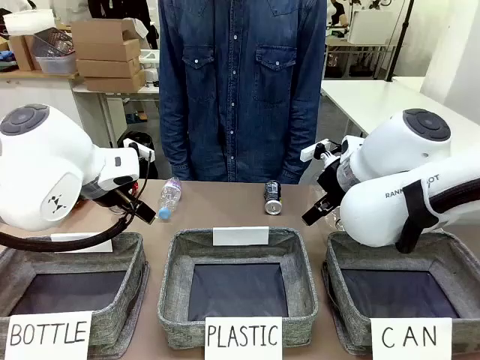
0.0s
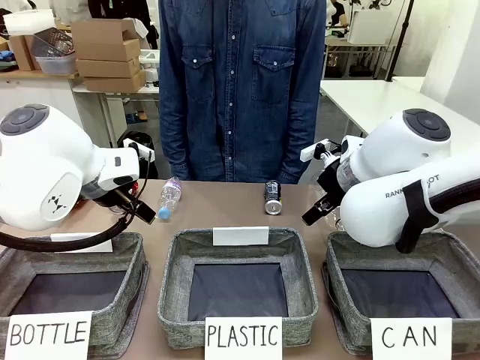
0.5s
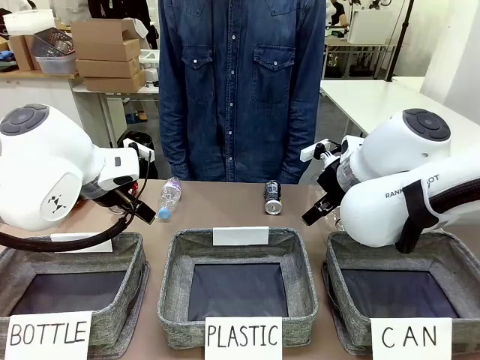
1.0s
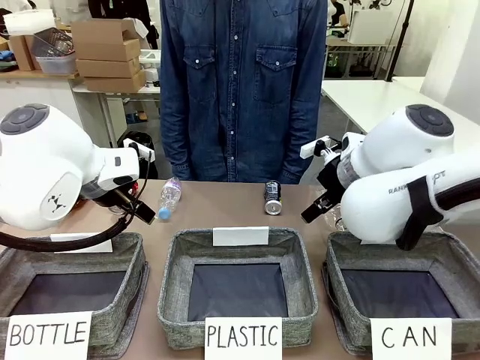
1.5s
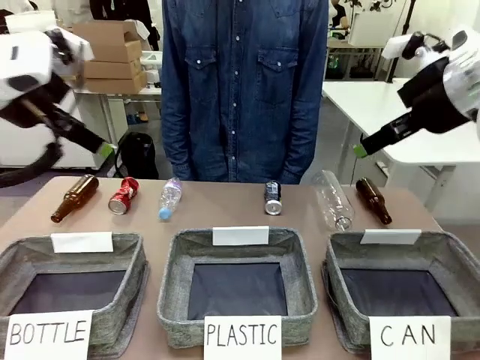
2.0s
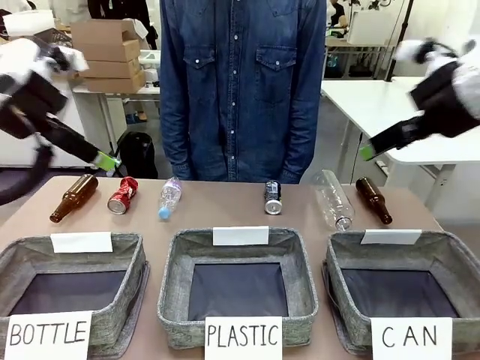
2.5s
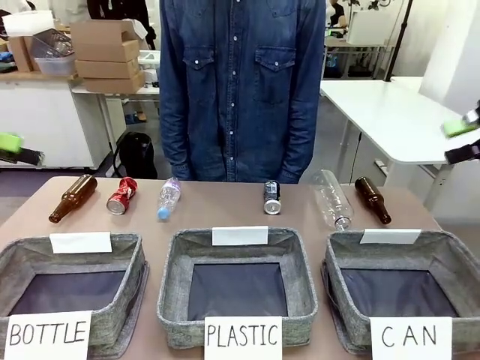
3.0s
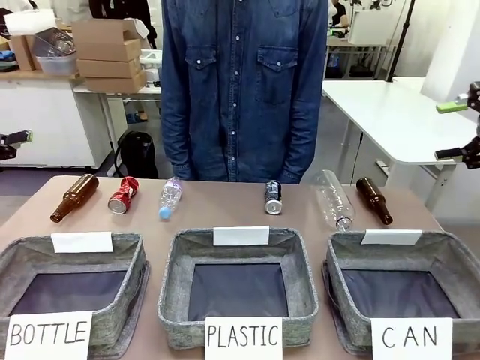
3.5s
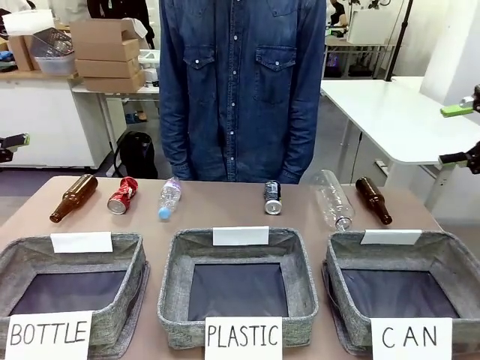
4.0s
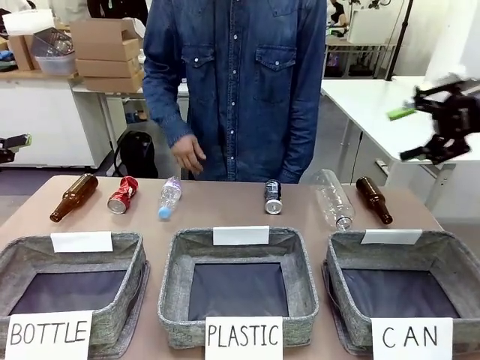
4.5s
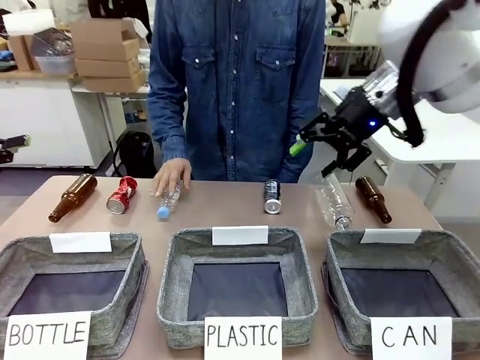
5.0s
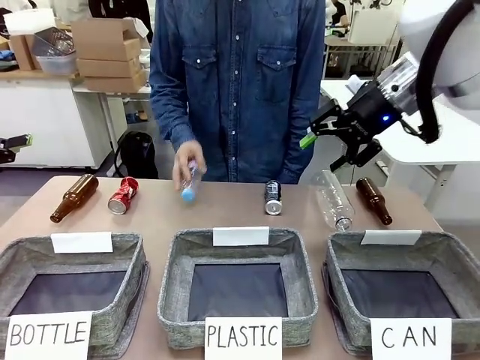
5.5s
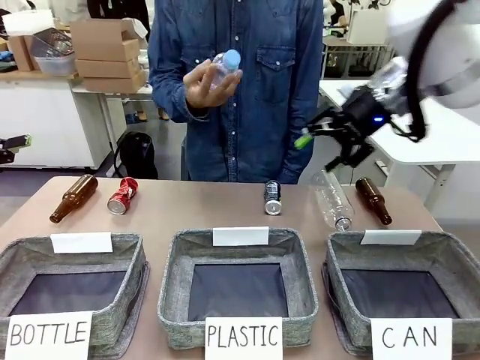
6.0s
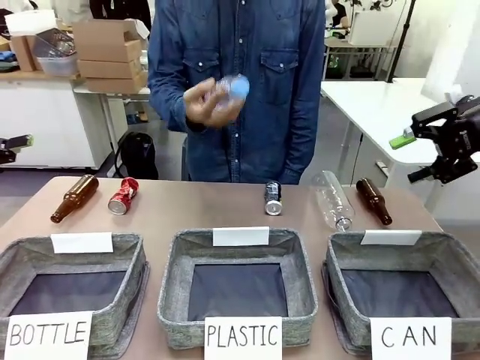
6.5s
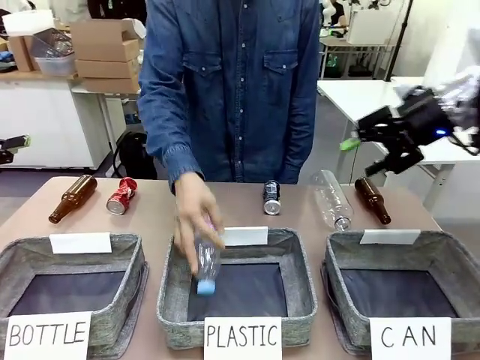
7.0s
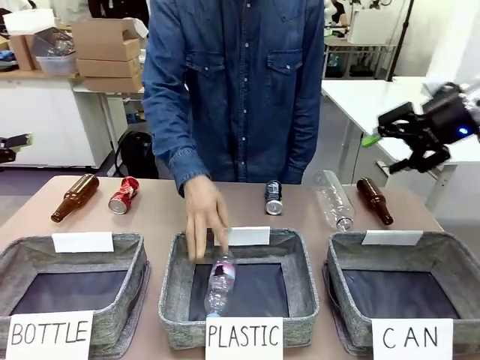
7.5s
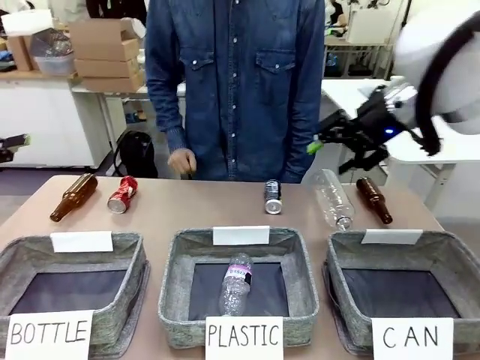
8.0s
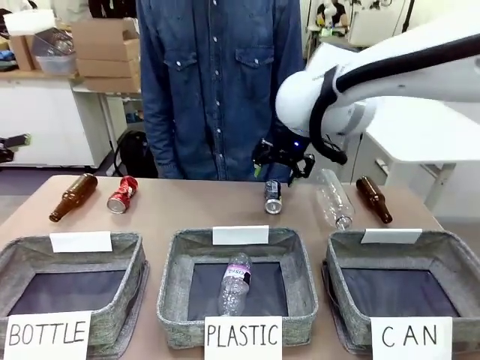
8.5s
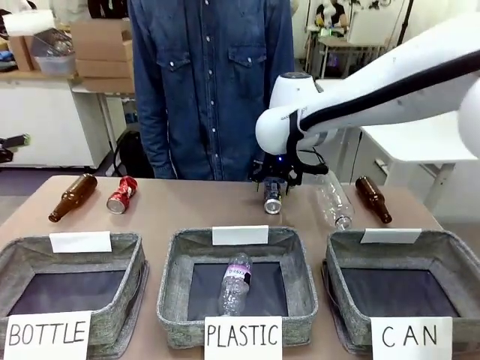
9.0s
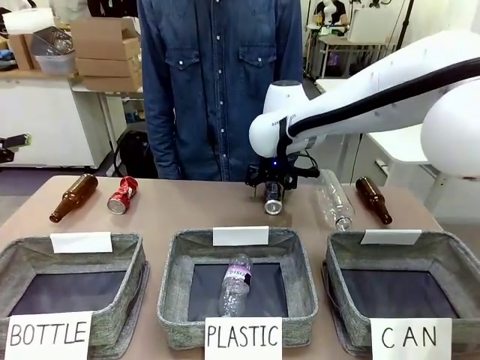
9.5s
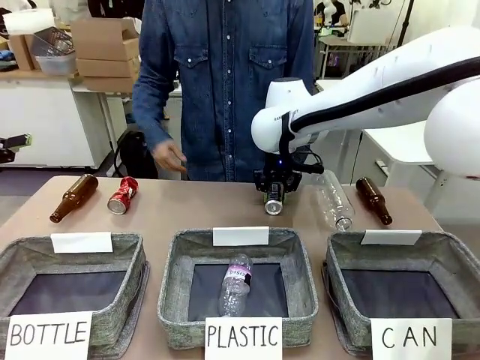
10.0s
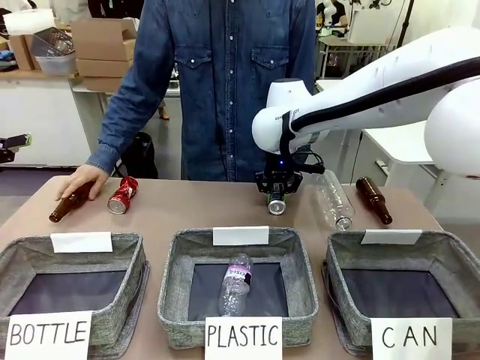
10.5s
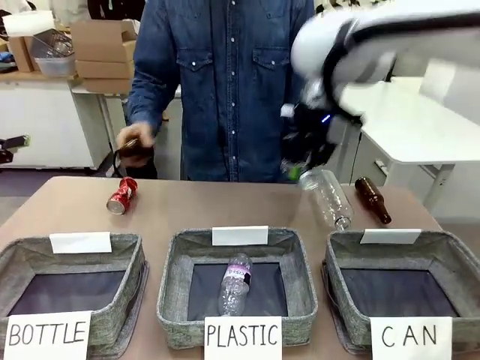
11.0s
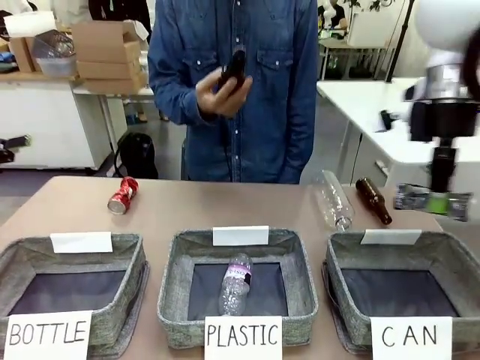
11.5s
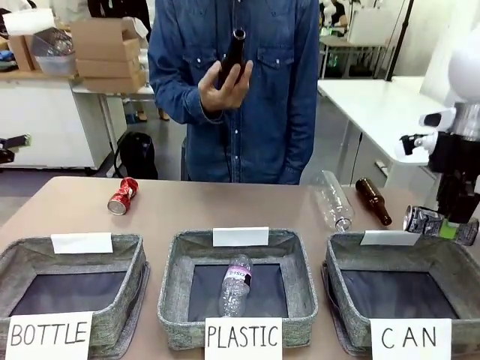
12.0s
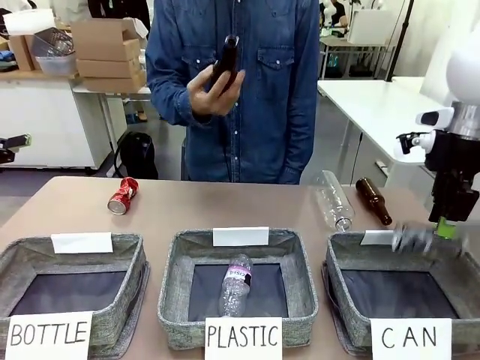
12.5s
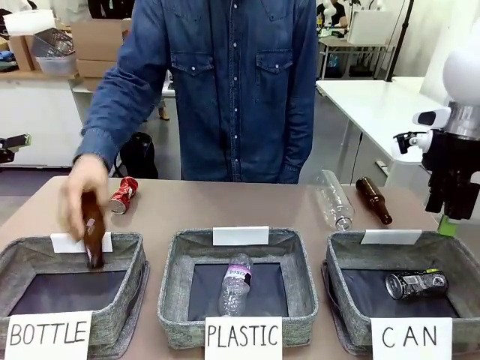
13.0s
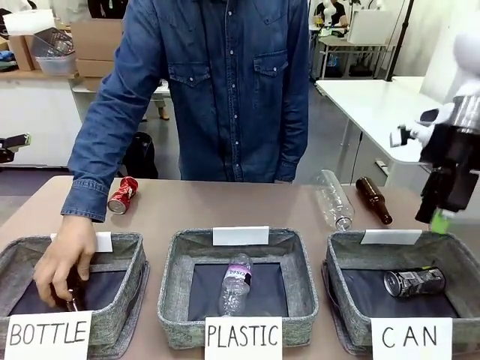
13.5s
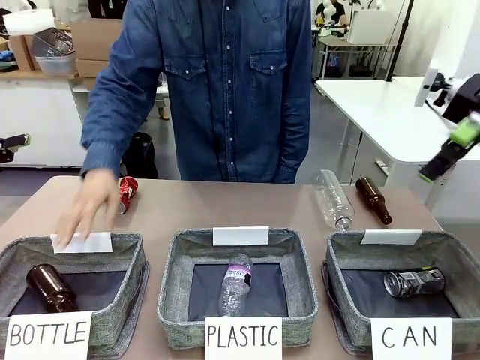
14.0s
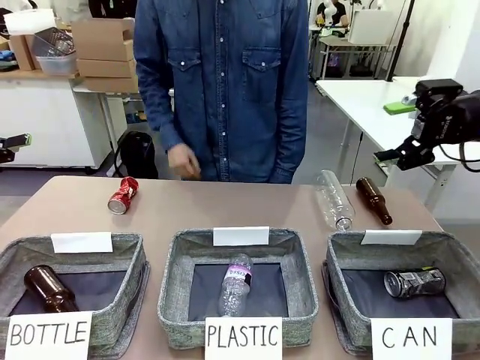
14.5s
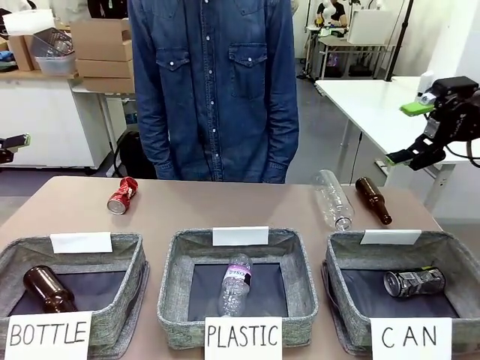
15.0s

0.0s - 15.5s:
Task: Sort the can waste into the basket.
Robot: Pick up the can waste from the table and place it in the right Fabric basket.

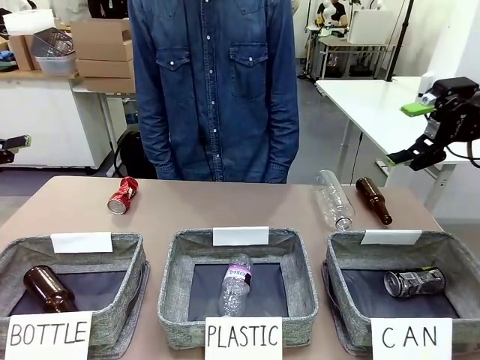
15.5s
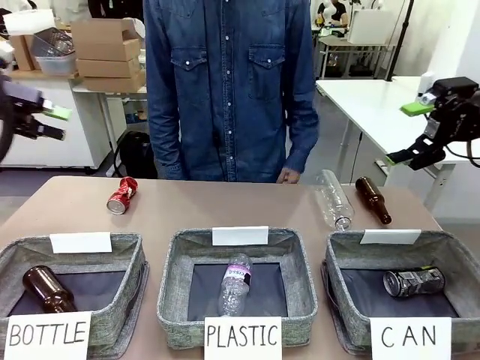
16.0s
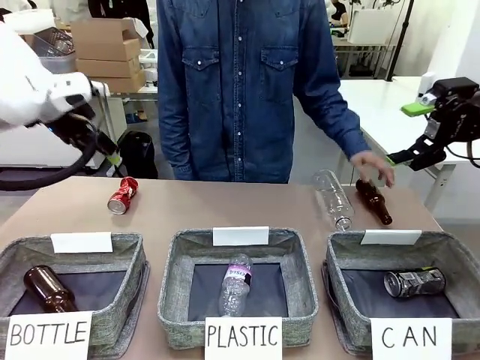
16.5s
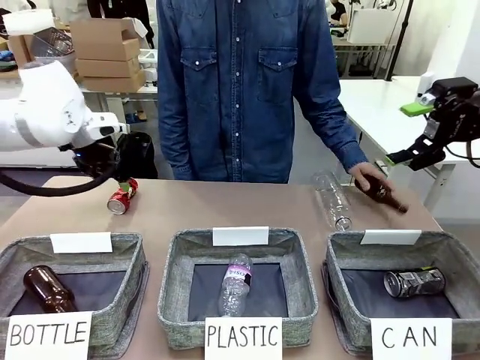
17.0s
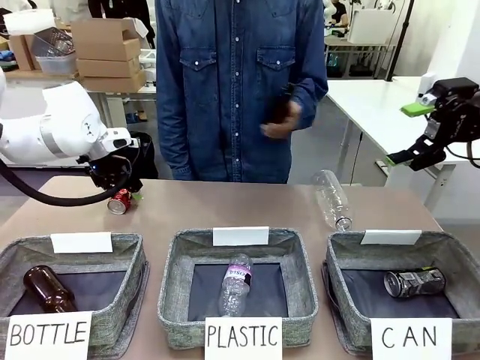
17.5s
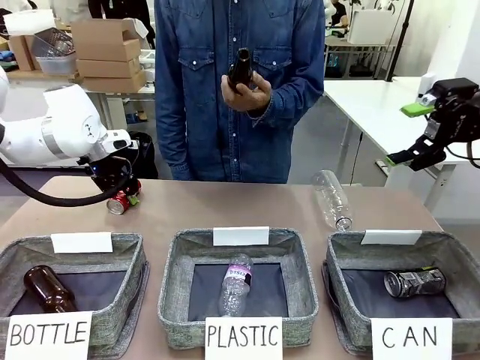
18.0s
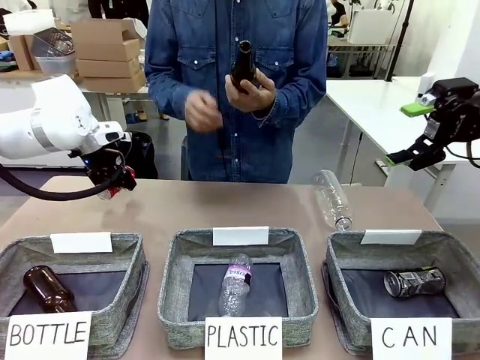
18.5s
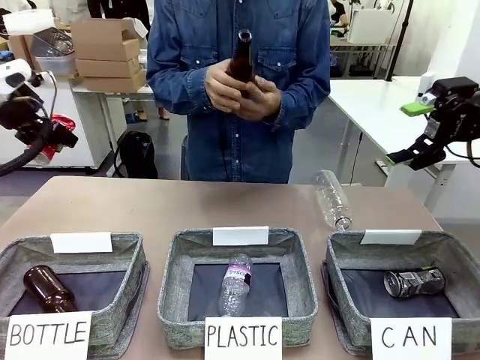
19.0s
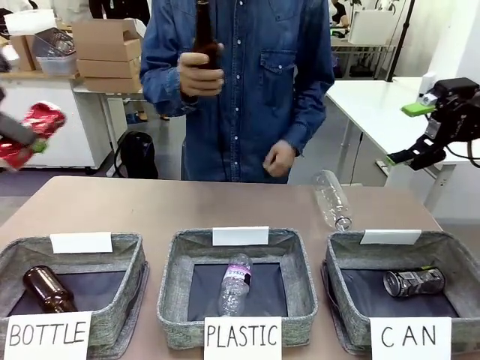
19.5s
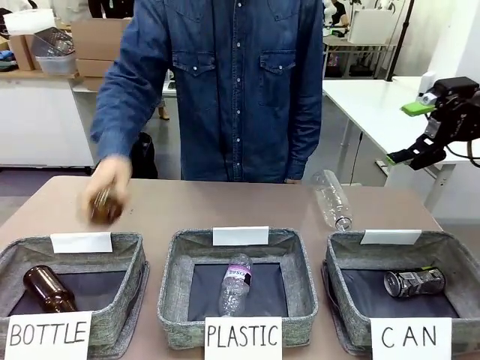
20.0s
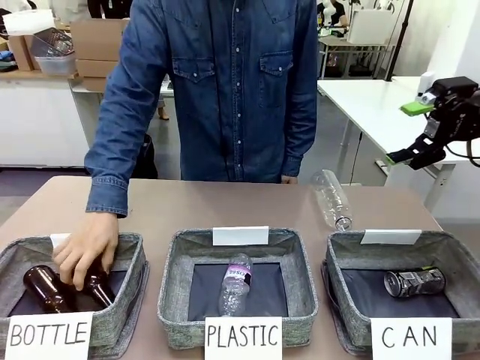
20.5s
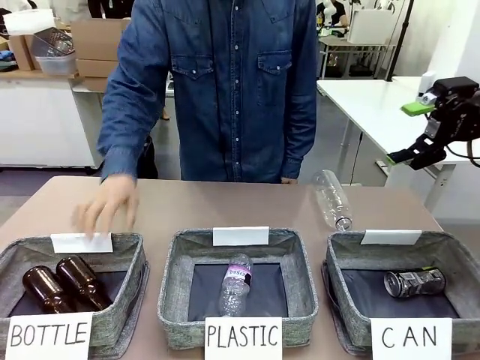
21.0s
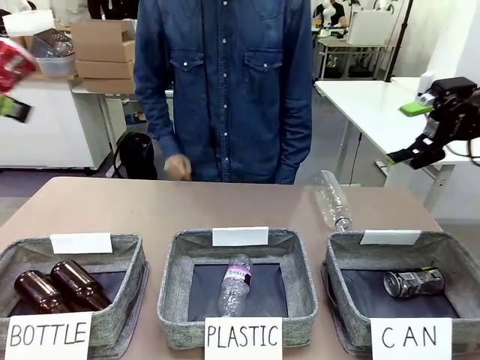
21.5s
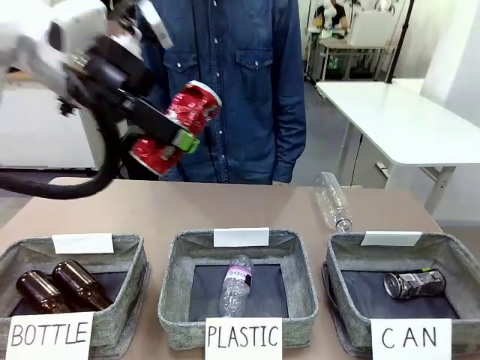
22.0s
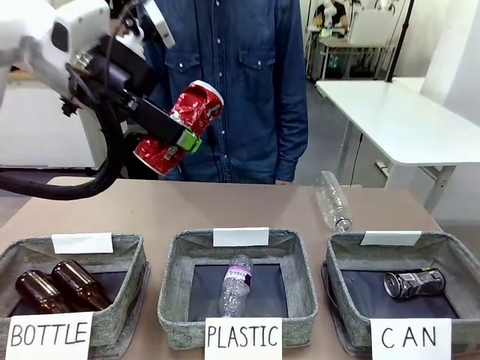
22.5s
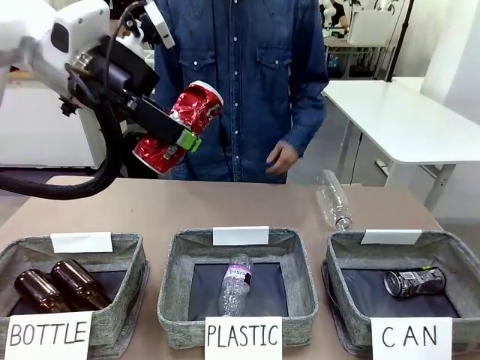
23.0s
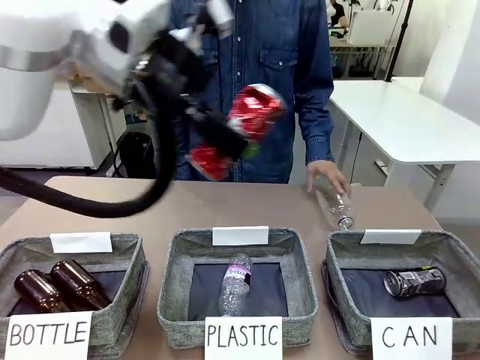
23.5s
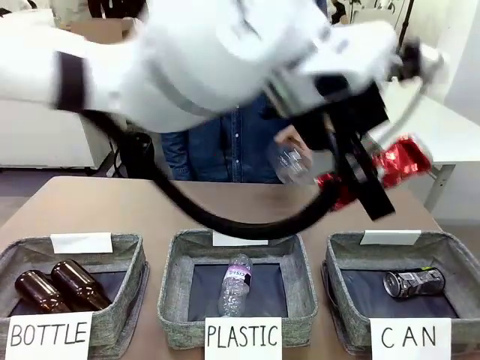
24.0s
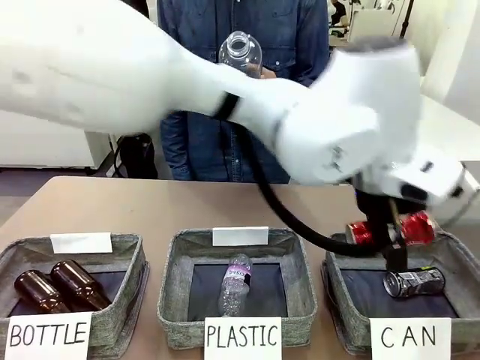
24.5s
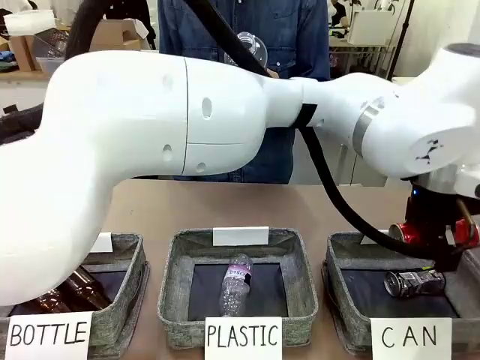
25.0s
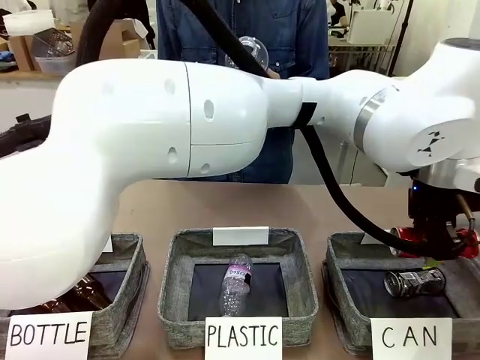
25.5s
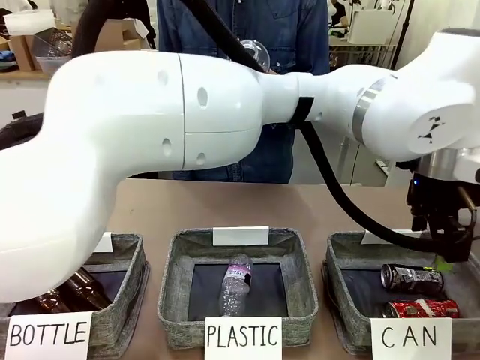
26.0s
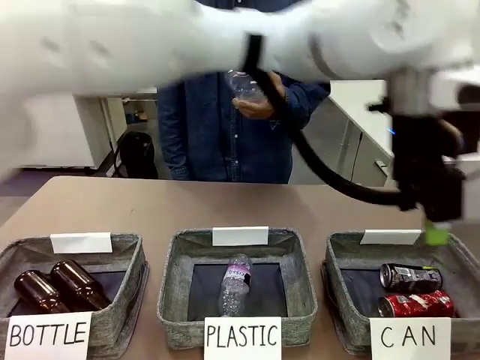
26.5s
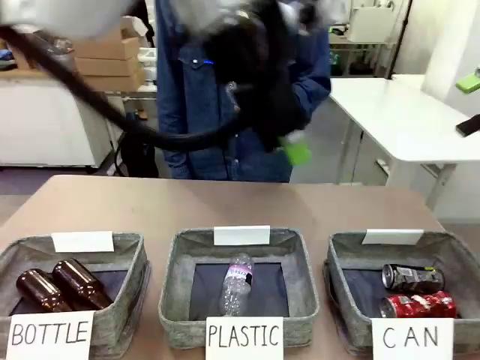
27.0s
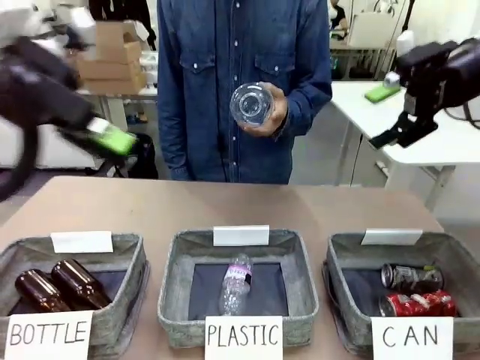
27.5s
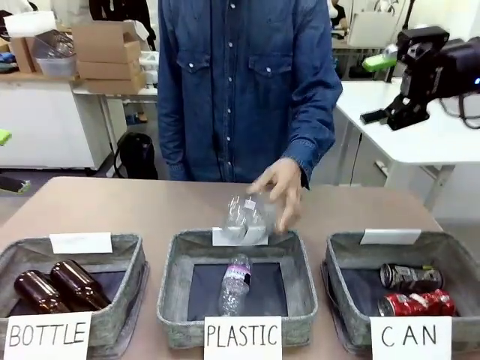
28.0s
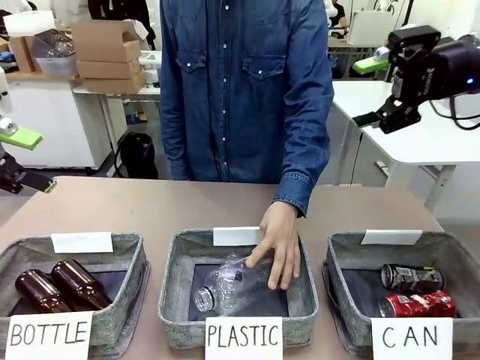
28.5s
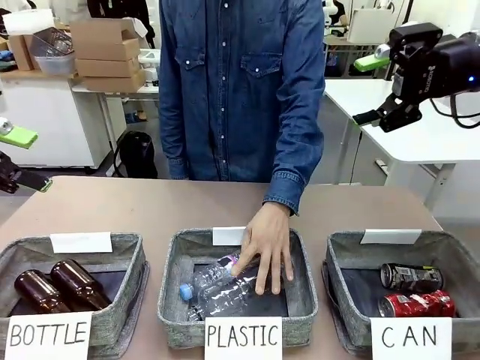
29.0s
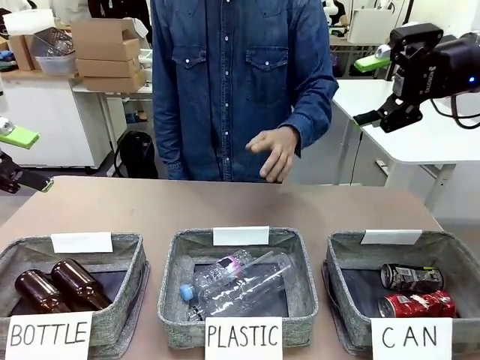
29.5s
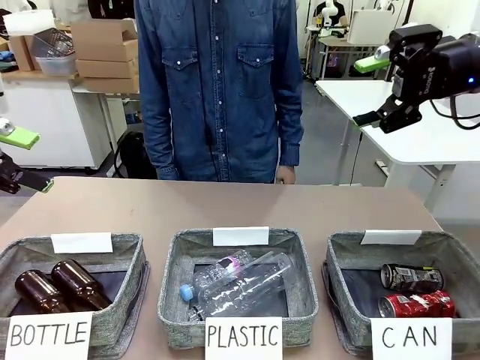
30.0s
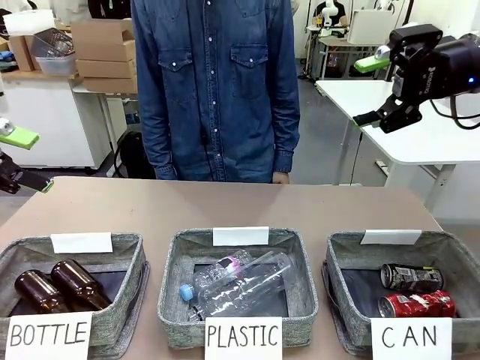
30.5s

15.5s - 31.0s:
Robot: Pick up the can waste from the table and place it in the right Fabric basket.
